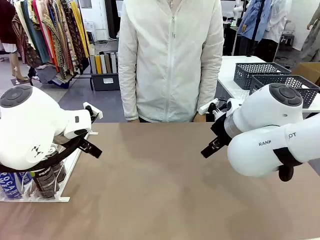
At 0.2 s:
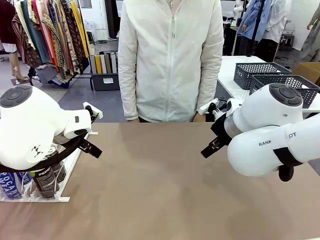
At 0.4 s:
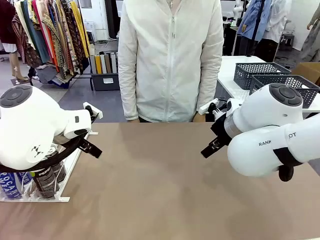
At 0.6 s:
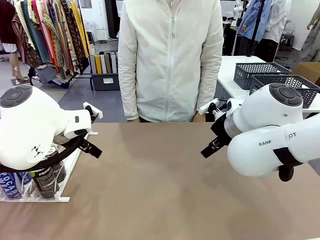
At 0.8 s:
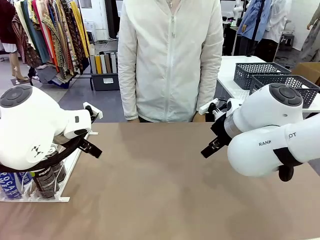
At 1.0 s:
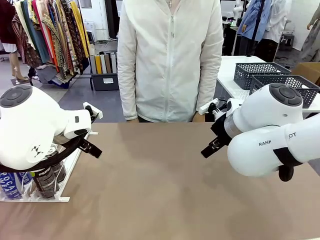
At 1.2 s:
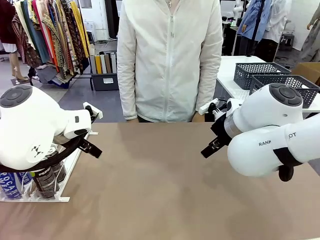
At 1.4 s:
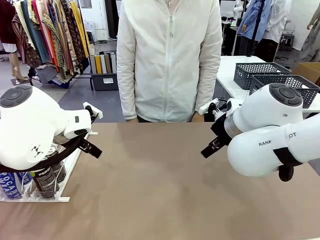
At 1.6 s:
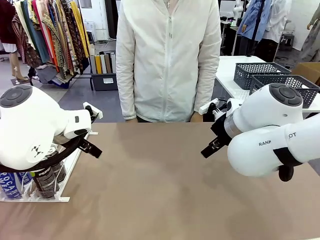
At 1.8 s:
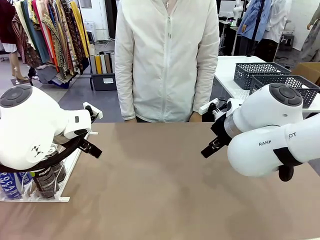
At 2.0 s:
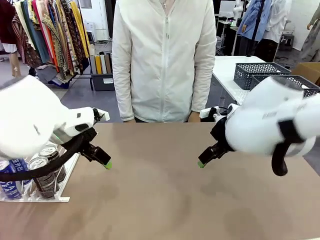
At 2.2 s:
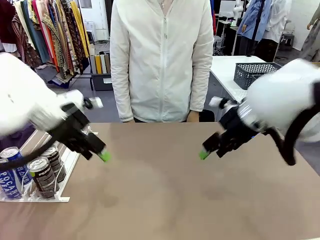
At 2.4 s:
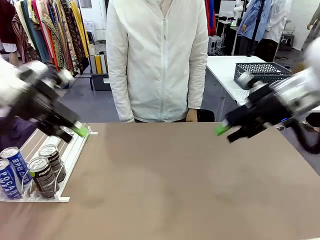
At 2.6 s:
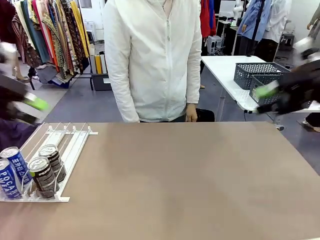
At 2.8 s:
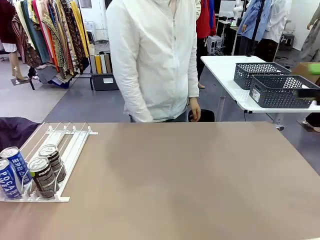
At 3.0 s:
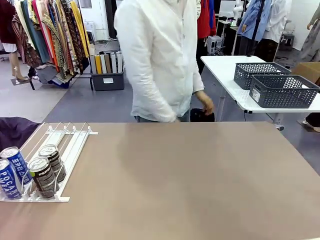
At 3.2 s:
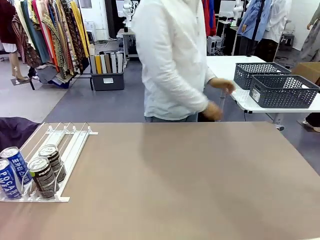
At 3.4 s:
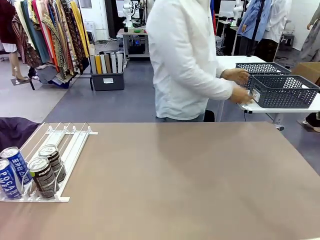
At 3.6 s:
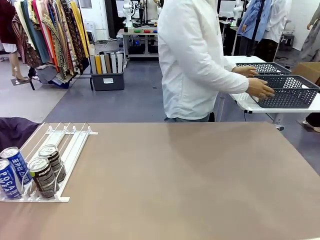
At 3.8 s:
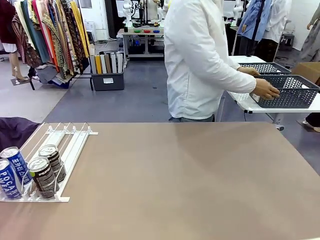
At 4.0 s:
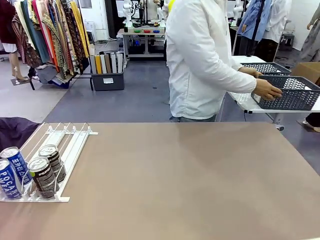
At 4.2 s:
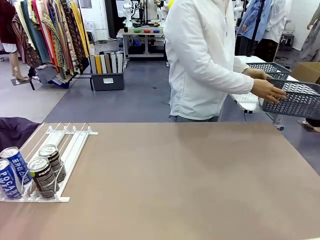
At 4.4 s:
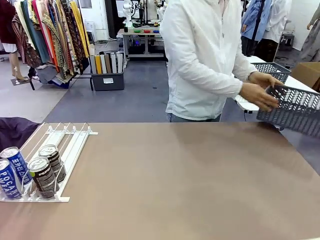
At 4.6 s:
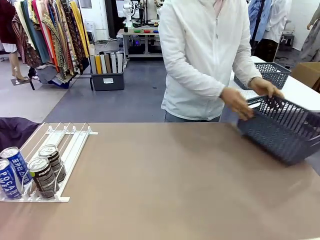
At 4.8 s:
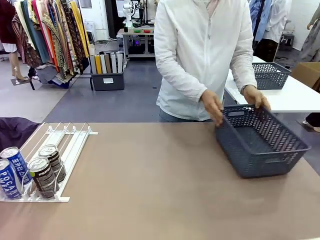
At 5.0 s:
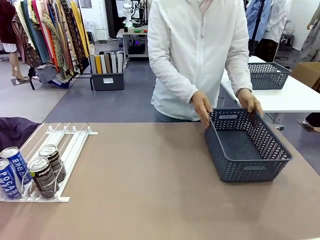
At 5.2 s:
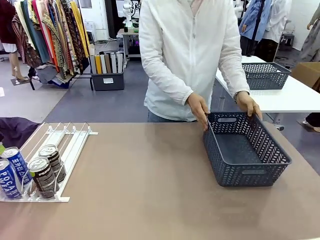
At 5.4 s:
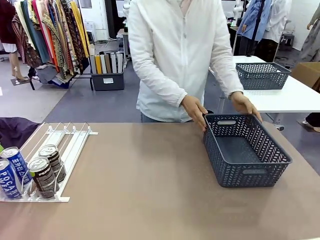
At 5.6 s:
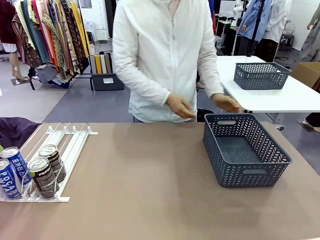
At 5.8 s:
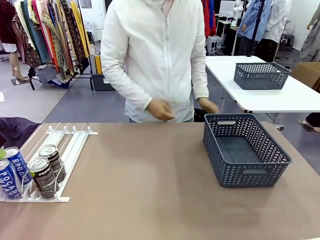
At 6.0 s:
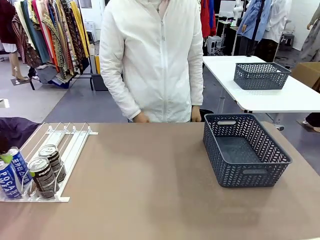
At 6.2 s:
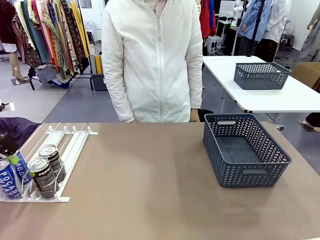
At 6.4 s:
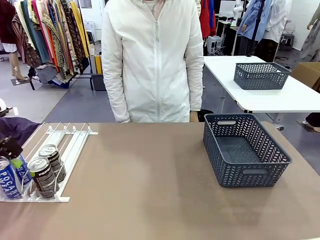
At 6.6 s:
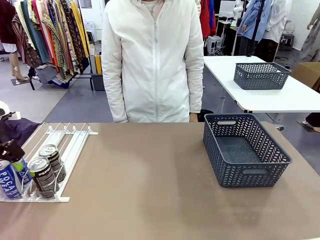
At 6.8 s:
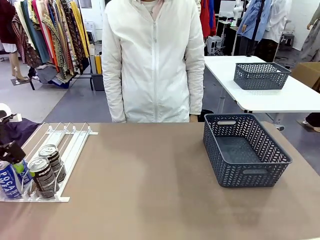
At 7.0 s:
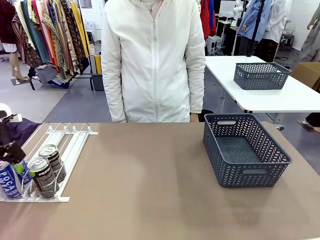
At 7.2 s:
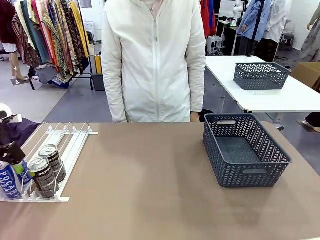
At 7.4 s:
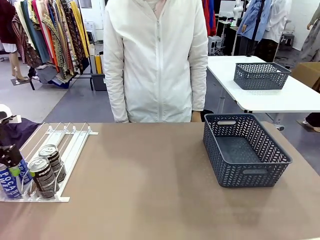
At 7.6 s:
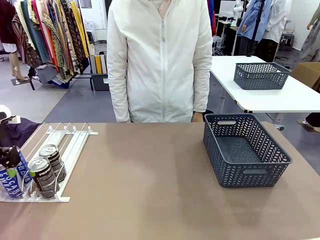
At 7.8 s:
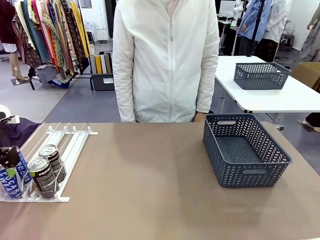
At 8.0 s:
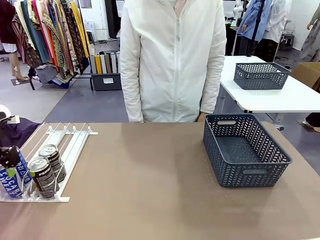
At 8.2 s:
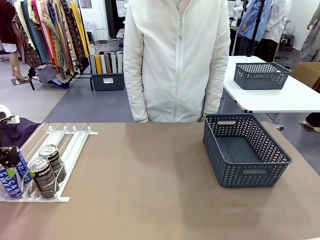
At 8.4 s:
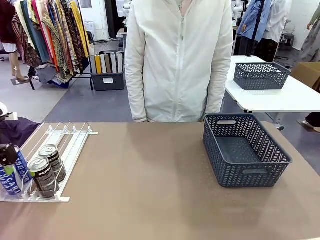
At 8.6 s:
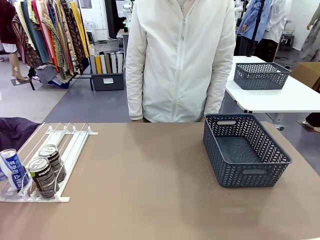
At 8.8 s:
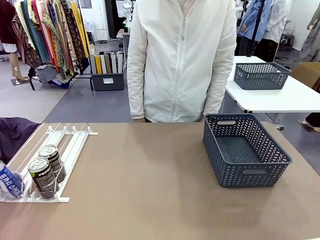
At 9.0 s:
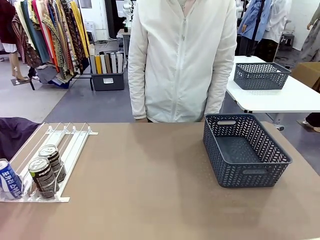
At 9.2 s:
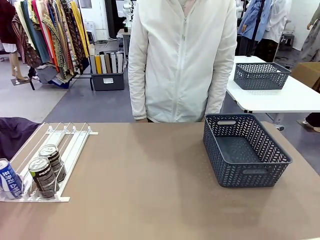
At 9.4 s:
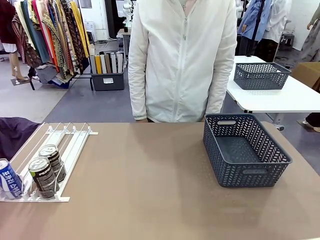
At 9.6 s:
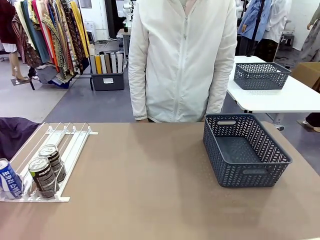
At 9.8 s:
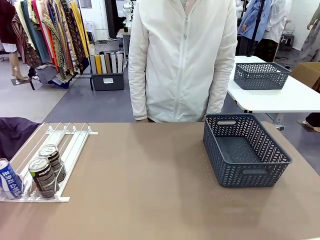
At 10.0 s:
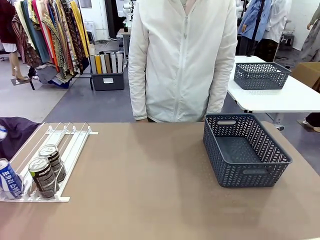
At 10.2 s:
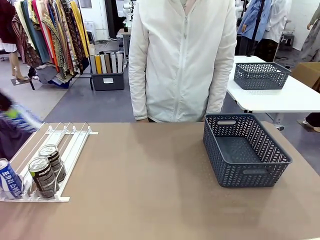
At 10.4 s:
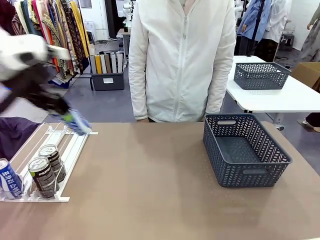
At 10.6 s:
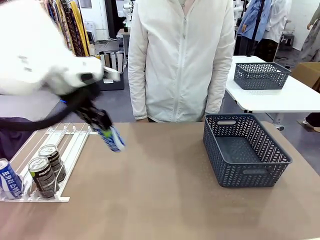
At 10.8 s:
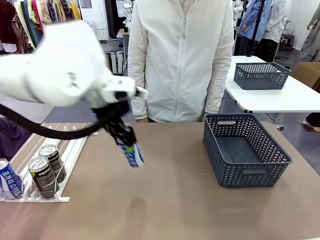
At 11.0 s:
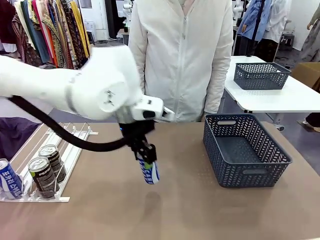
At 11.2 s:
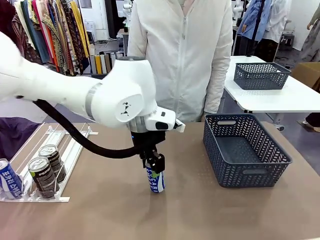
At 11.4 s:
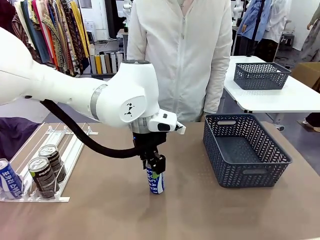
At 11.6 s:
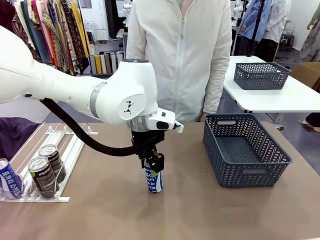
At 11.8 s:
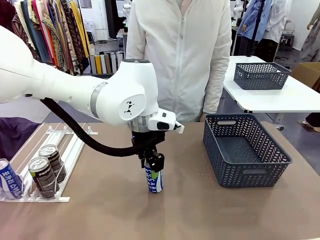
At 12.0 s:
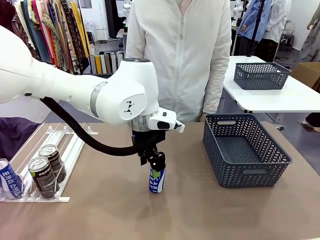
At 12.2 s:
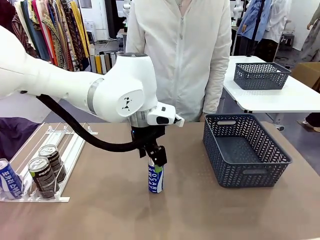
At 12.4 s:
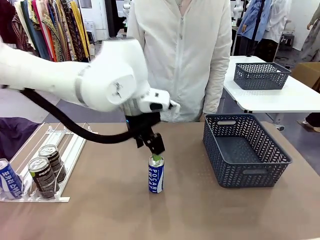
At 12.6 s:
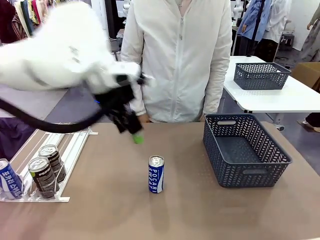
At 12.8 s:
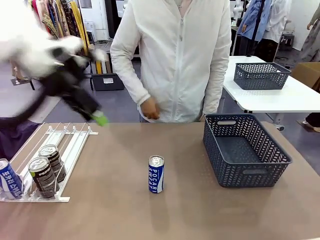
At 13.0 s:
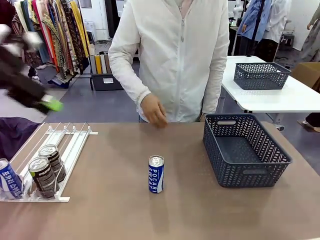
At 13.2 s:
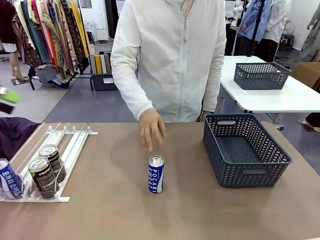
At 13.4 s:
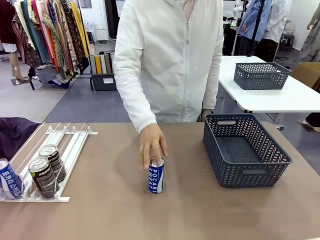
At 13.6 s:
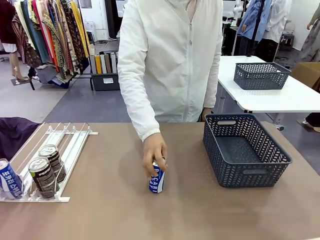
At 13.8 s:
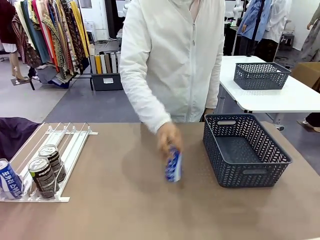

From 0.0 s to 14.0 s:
Task: Retrieve and store the cans from the dispenser.
Robot: Pick up one can from the Automatic Can Dispenser and place it in the middle of the table.
Person: Pick up the basket and place it on the left side of the robot table.

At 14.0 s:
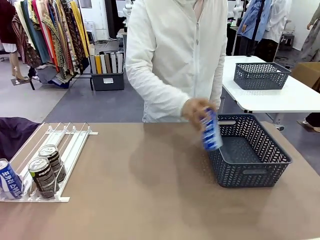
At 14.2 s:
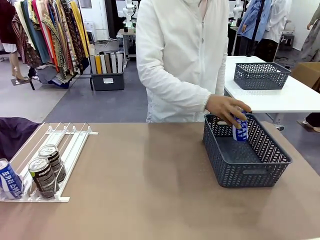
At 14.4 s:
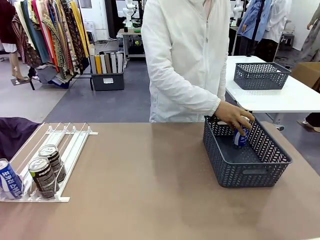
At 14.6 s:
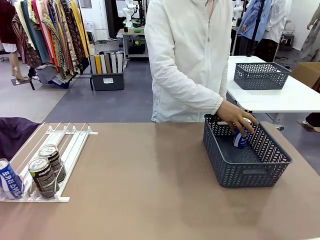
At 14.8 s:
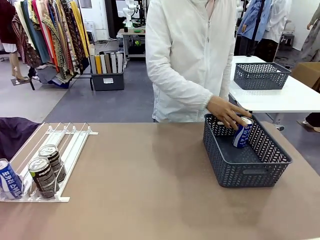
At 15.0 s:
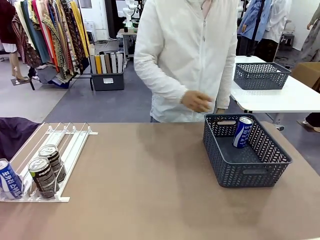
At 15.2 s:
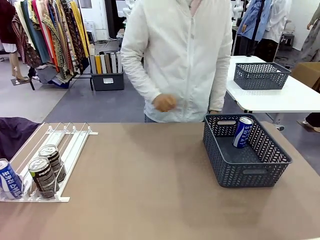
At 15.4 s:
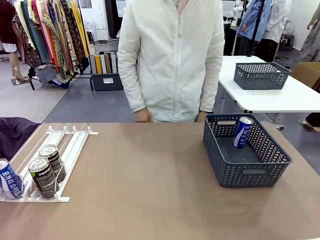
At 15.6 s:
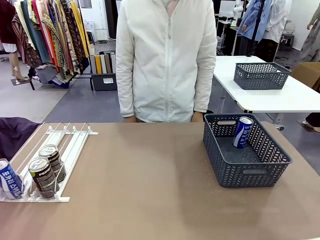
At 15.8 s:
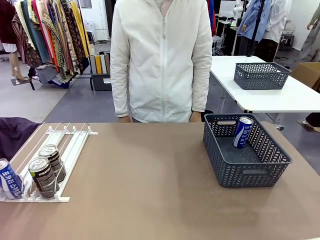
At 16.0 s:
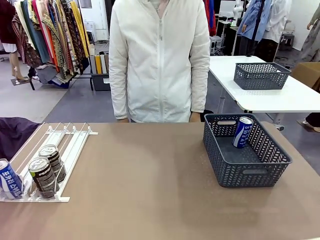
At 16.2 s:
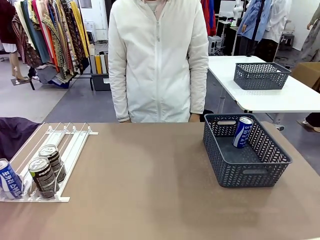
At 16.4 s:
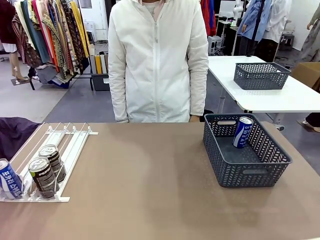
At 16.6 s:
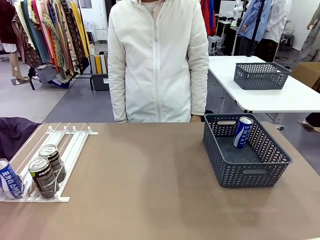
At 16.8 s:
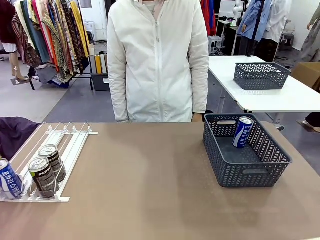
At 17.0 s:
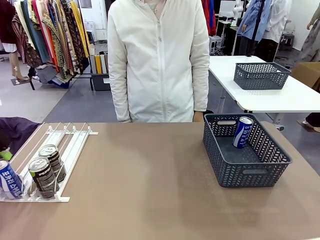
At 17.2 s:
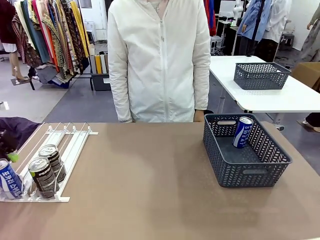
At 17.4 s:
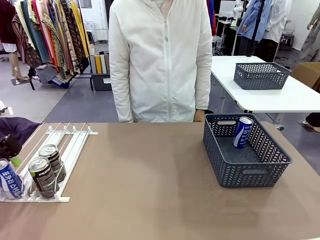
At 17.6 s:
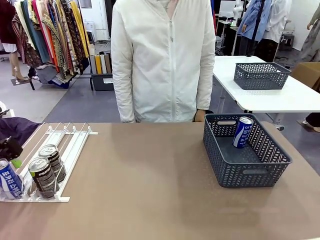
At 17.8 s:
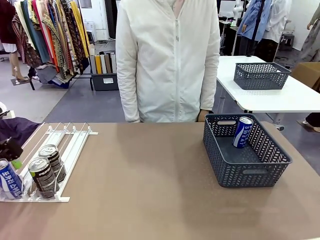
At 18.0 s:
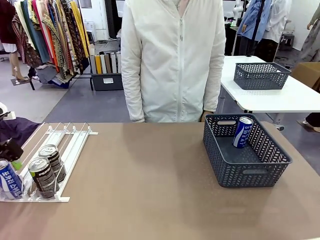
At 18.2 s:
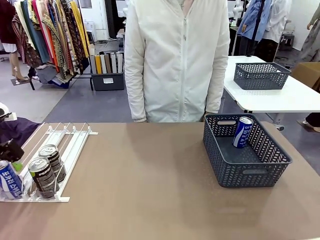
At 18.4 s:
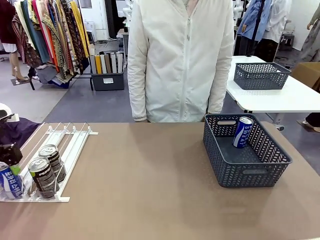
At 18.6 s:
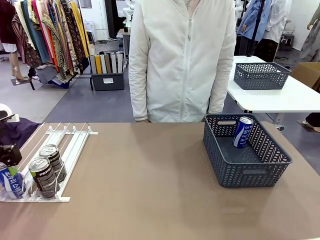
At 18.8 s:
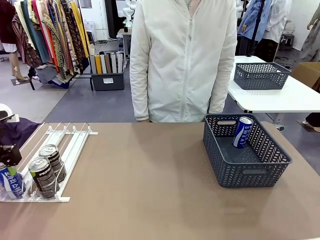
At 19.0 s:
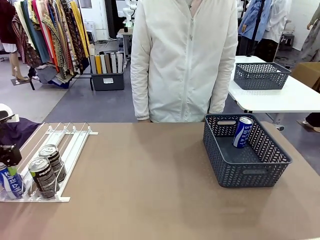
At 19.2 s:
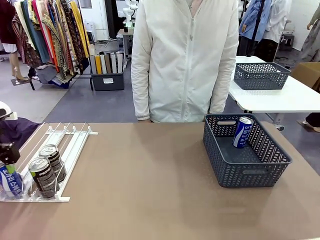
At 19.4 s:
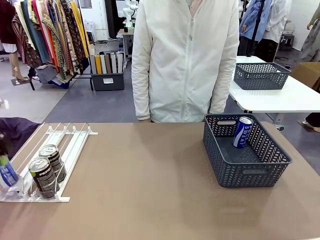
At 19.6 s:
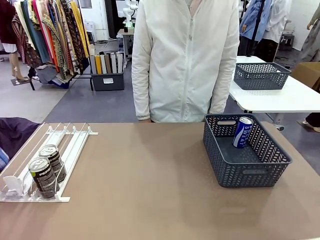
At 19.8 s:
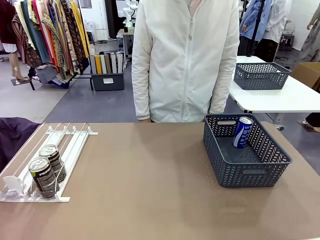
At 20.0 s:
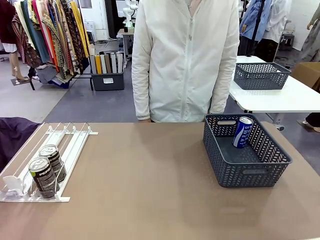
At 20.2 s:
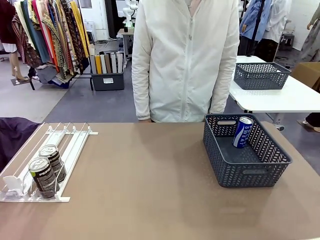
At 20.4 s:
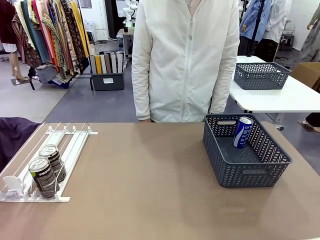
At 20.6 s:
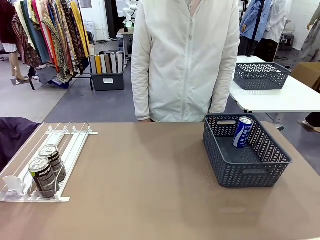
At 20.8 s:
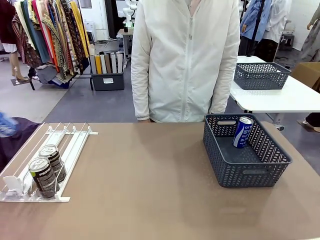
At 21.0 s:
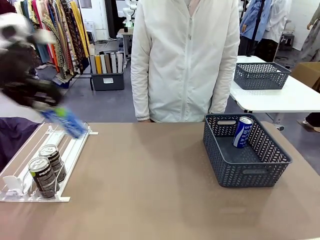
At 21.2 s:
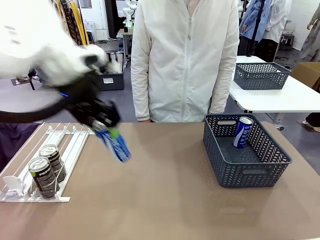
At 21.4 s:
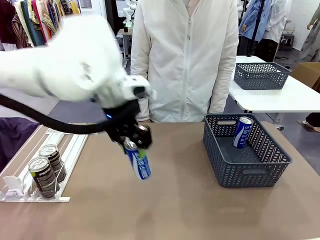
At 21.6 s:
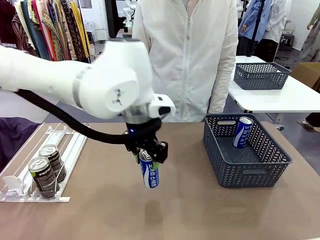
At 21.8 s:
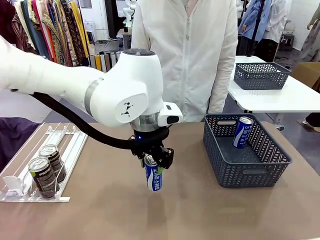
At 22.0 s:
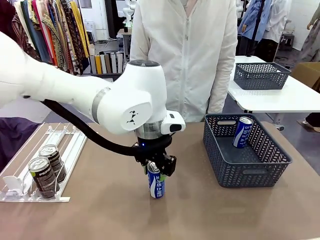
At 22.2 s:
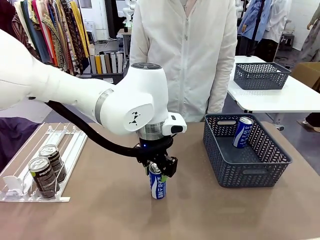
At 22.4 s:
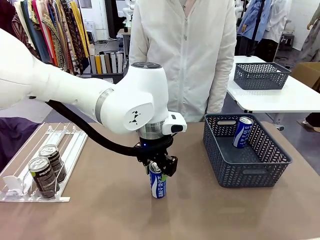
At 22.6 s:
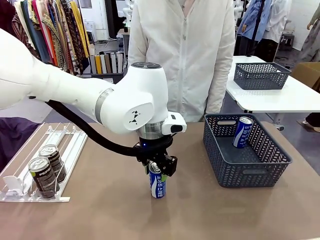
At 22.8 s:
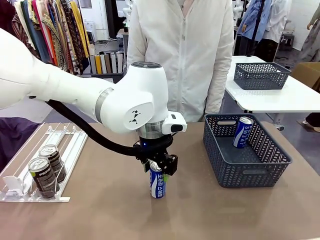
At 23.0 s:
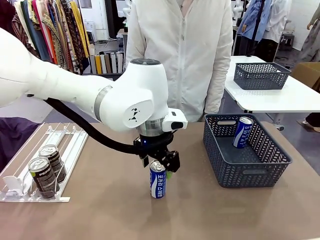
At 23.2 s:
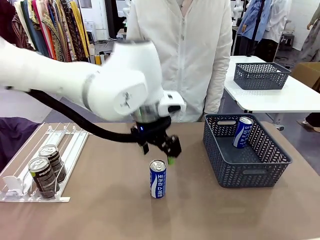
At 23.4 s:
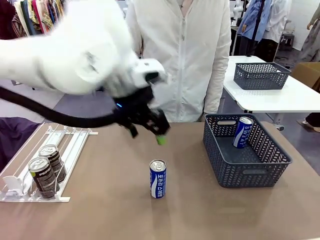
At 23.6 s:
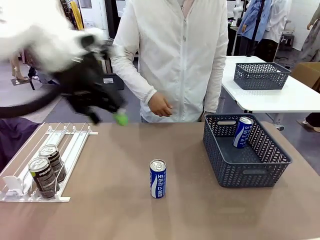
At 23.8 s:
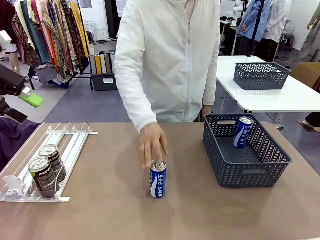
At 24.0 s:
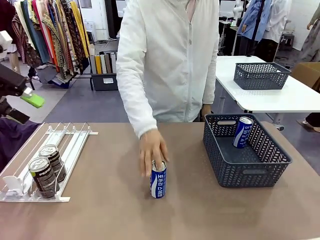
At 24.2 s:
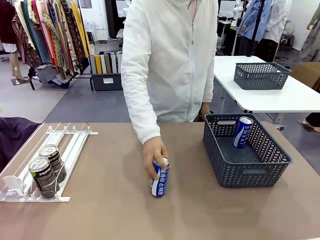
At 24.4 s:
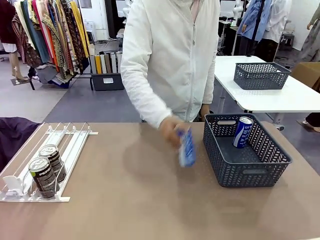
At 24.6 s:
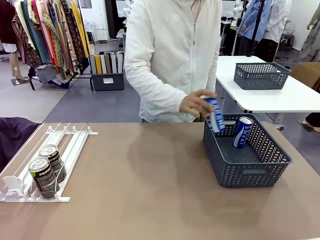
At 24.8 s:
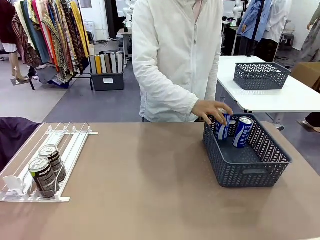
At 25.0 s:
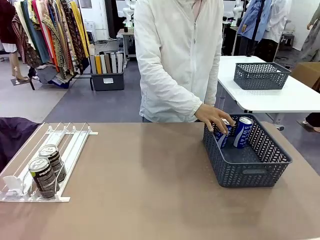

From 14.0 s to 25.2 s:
Robot: Pick up the last remaining can from one row of the Automatic Can Dispenser and place it in the middle of the table.
Person: Pick up one Pepsi can from the middle of the robot table and place it in the basket.
